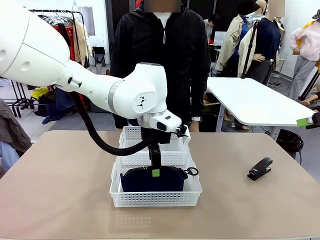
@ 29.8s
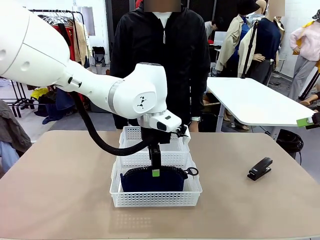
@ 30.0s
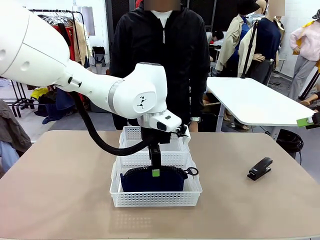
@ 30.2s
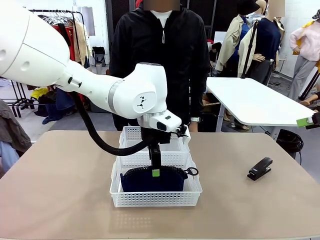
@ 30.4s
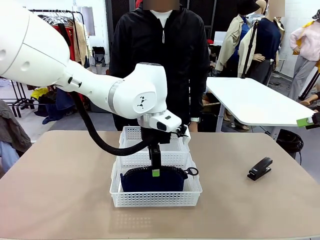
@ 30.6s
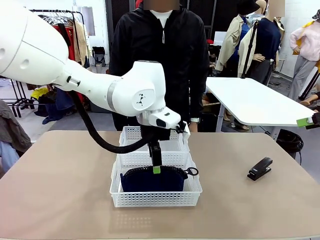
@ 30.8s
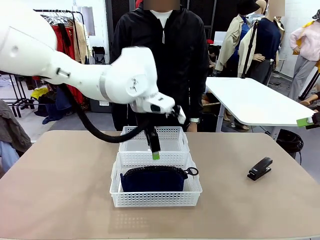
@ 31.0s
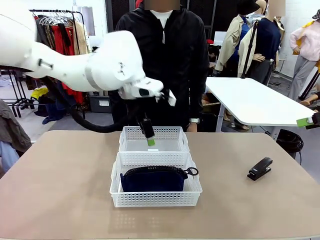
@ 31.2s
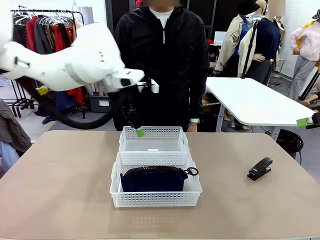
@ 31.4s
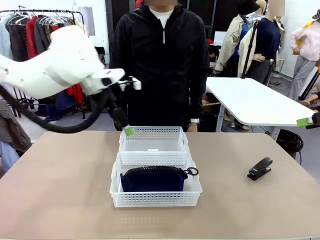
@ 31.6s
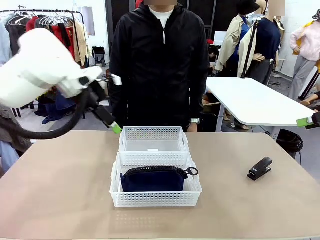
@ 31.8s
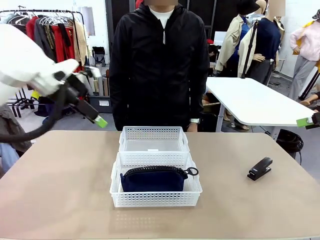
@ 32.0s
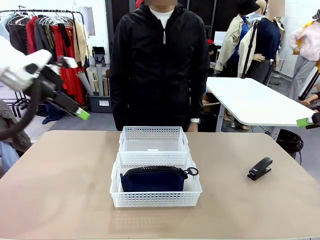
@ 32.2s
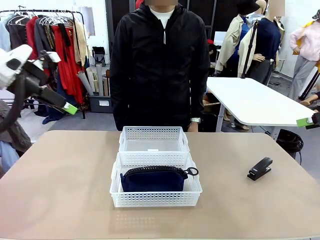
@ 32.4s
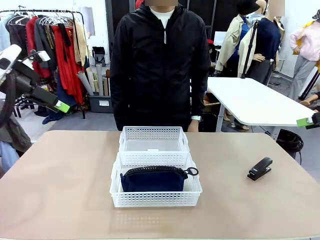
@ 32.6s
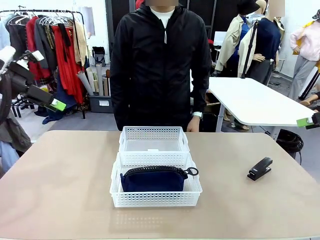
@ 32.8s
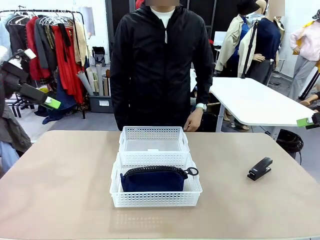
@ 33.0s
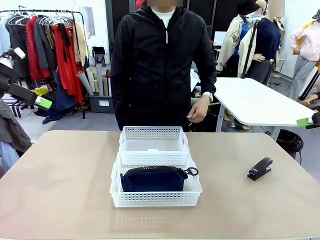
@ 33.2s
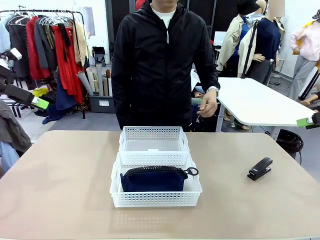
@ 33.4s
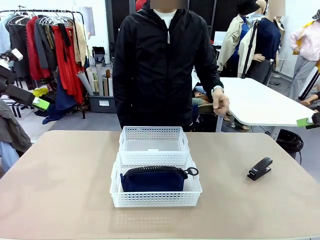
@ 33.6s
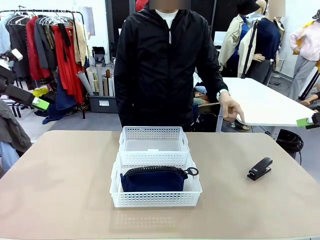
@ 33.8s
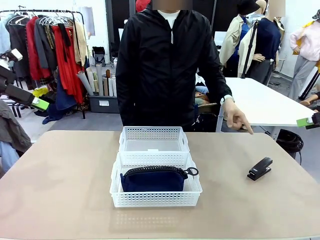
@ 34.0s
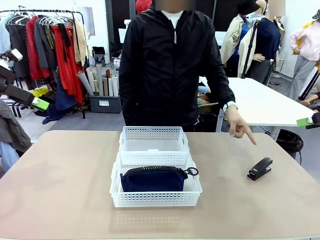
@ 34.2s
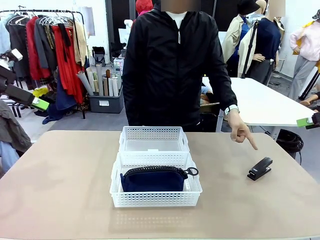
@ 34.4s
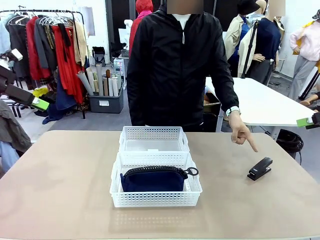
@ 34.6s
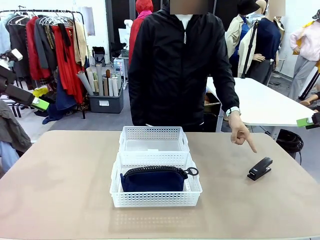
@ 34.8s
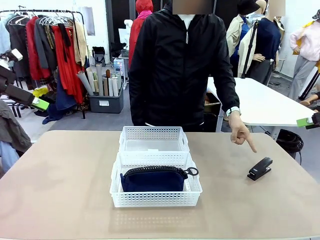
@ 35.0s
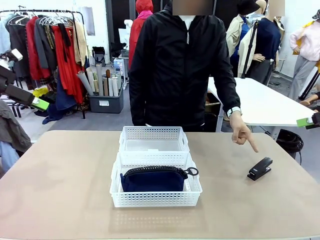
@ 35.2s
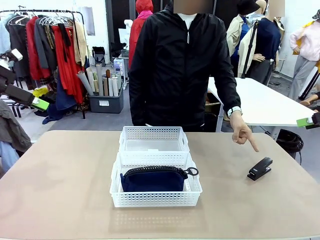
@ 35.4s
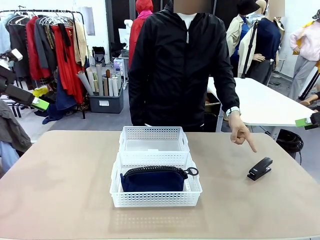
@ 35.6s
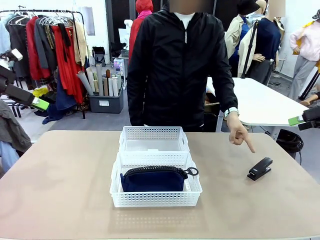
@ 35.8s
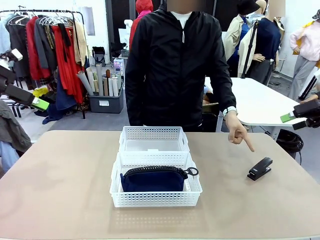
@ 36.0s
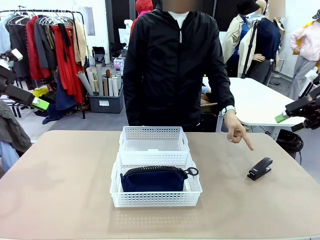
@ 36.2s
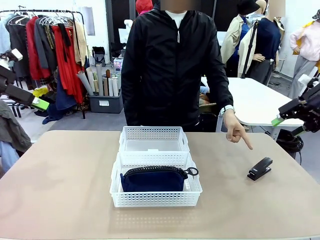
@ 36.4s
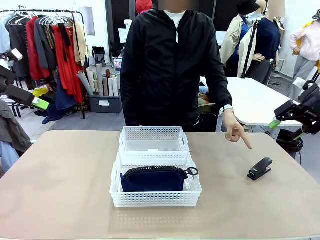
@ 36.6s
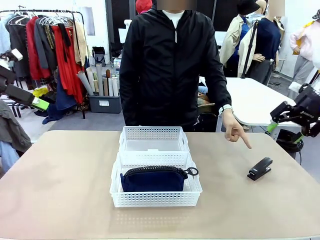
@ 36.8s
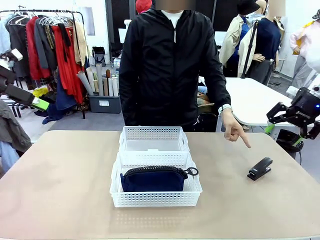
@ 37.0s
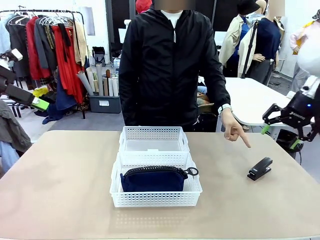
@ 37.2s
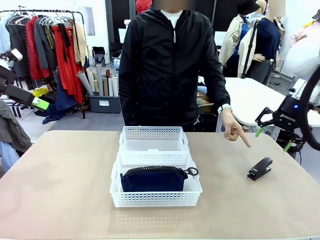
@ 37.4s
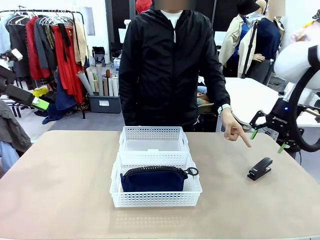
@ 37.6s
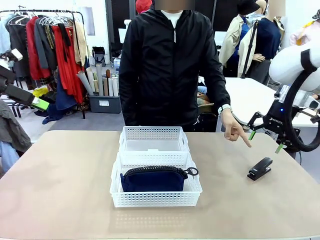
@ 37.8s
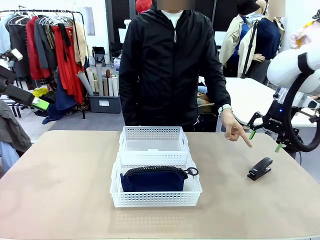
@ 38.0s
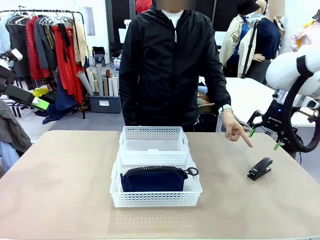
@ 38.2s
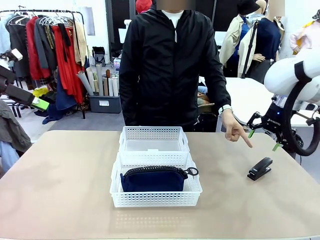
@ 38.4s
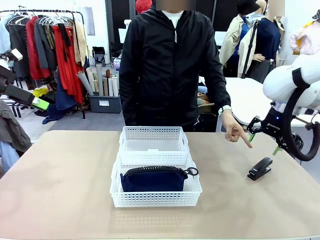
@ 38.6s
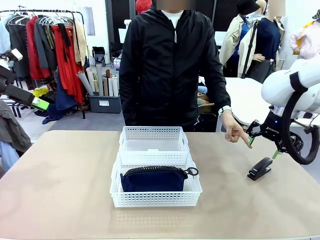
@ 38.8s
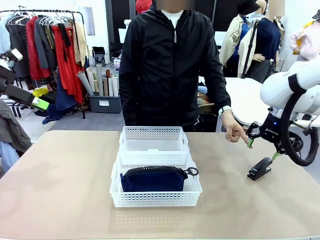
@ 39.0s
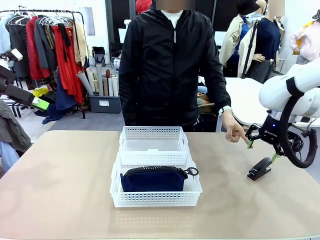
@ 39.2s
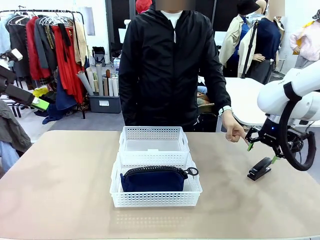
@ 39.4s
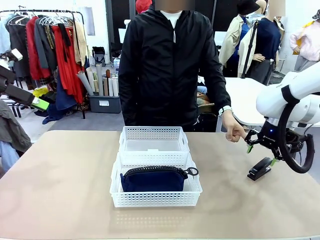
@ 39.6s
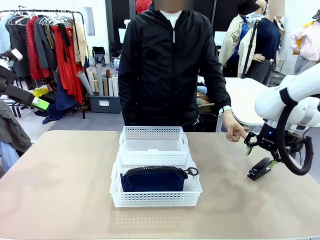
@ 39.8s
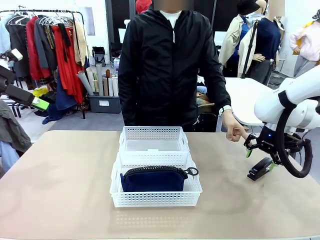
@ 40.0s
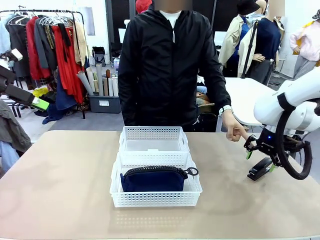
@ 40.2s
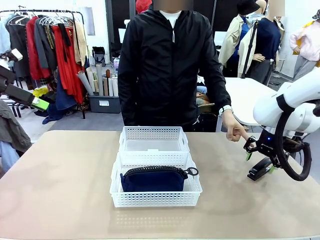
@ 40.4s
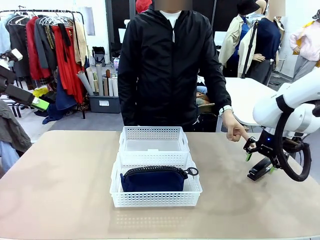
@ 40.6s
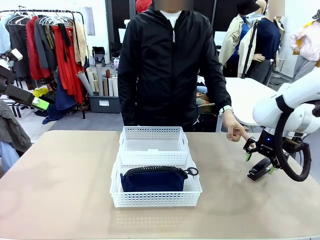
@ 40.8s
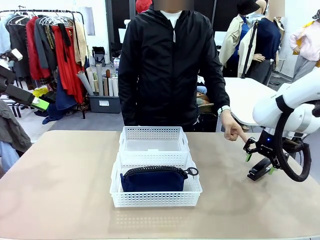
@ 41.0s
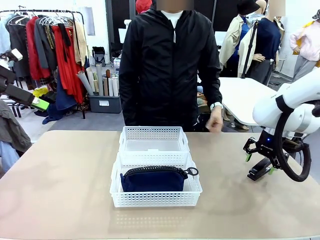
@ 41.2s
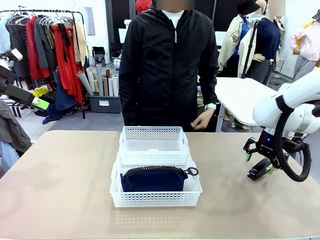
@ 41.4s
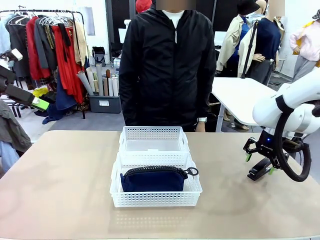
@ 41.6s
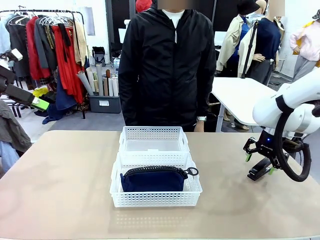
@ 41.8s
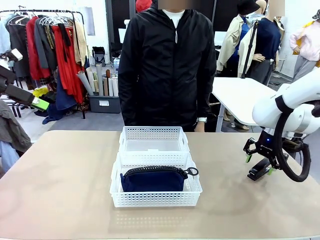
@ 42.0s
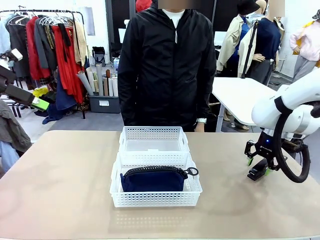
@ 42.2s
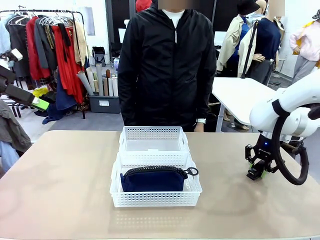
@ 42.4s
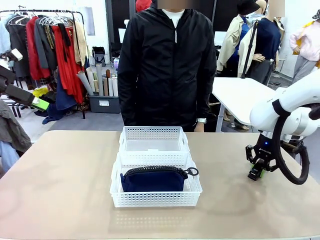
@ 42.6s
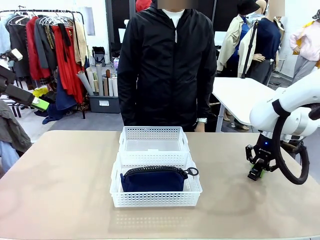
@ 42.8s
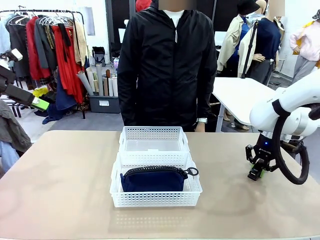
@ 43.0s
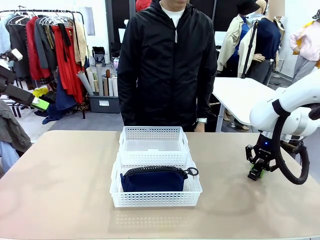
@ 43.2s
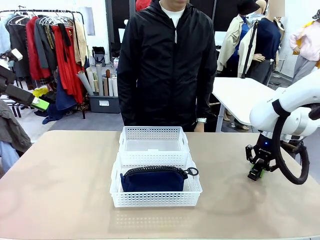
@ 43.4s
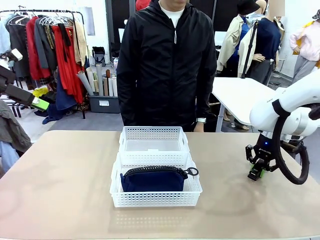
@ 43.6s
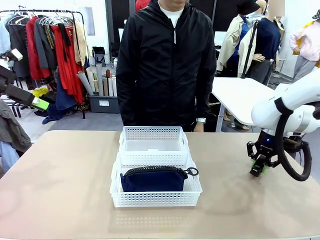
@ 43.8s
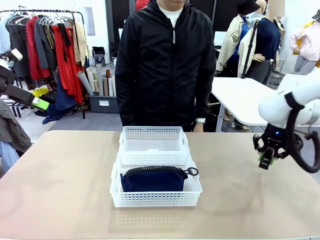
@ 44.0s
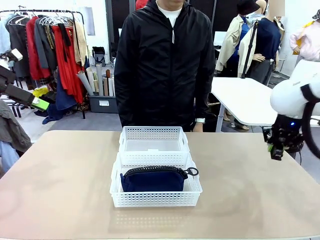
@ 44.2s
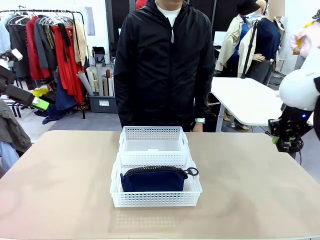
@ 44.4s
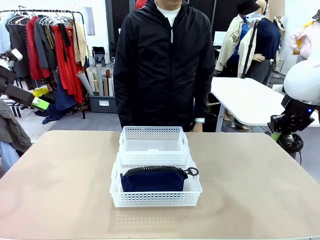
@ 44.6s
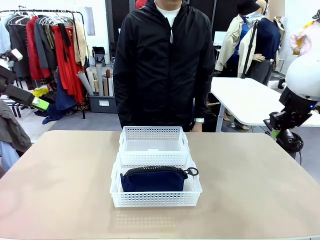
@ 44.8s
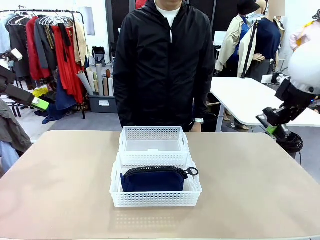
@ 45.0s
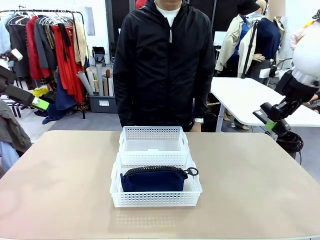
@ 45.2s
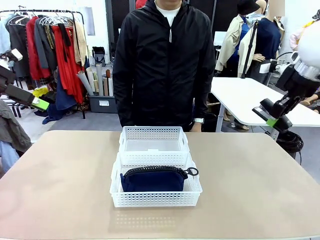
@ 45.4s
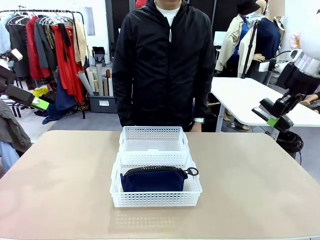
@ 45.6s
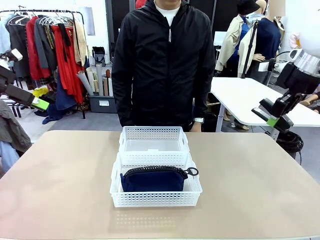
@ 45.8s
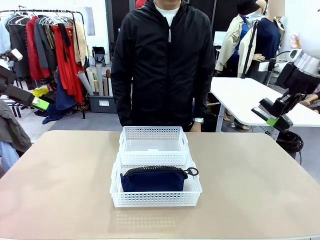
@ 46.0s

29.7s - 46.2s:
Task: Distribute items into two baskets.
Robot: Pick up the Stapler that the person points to.

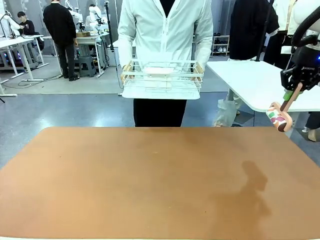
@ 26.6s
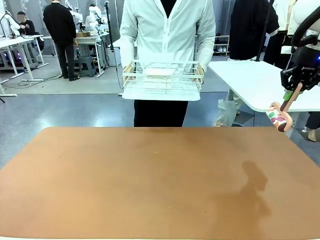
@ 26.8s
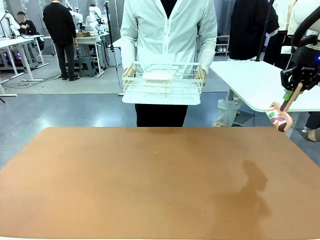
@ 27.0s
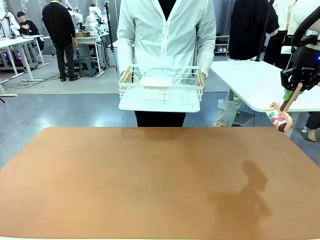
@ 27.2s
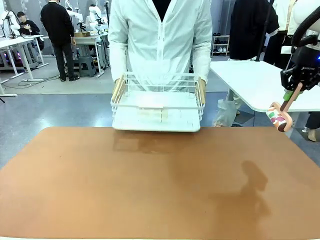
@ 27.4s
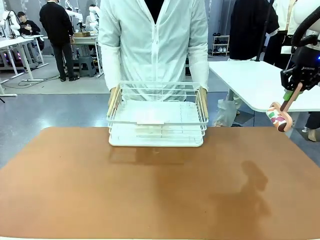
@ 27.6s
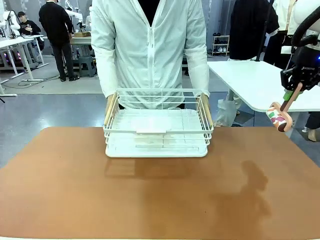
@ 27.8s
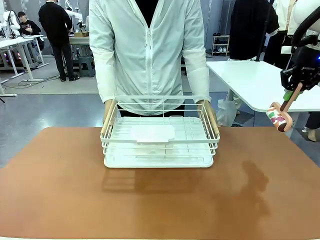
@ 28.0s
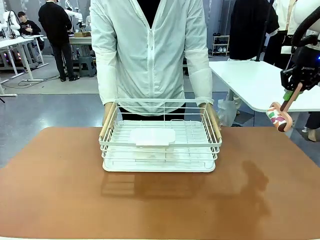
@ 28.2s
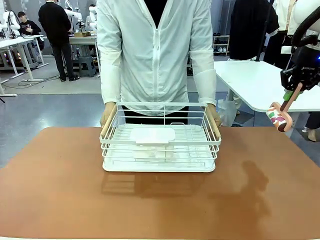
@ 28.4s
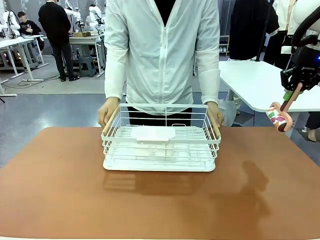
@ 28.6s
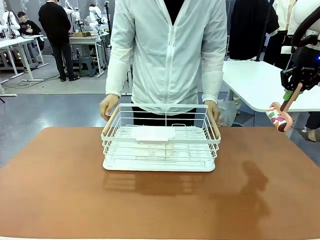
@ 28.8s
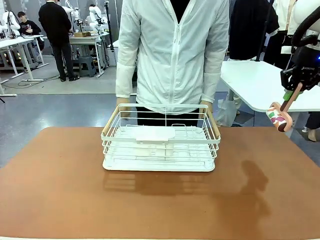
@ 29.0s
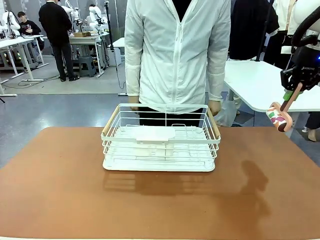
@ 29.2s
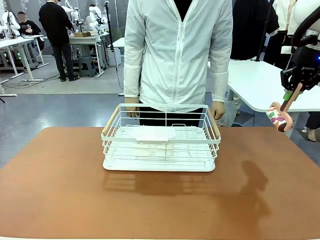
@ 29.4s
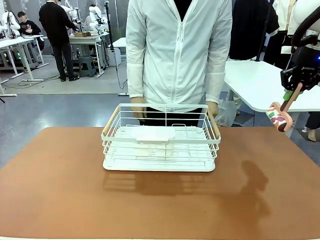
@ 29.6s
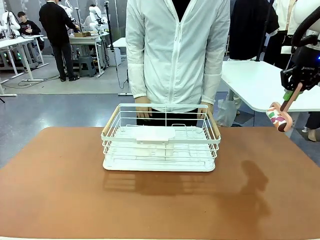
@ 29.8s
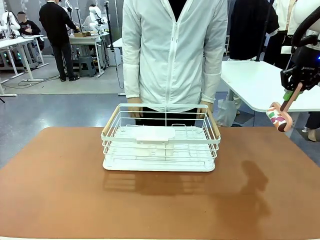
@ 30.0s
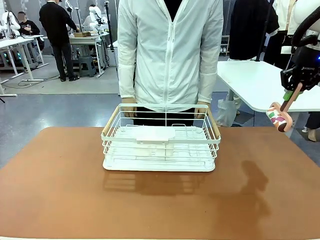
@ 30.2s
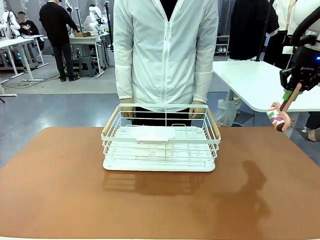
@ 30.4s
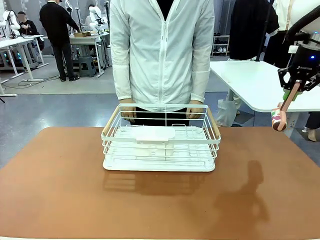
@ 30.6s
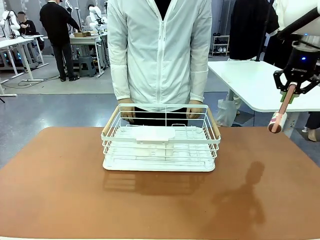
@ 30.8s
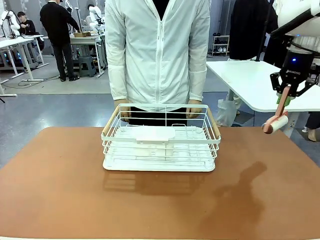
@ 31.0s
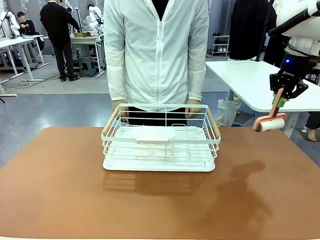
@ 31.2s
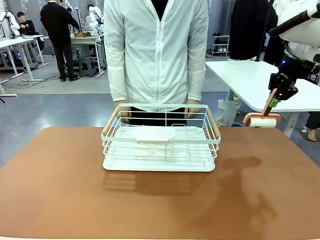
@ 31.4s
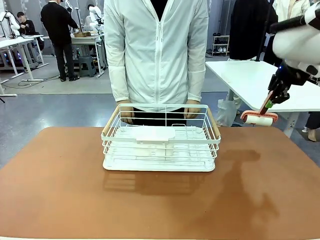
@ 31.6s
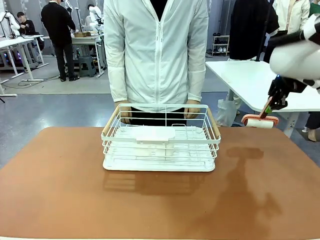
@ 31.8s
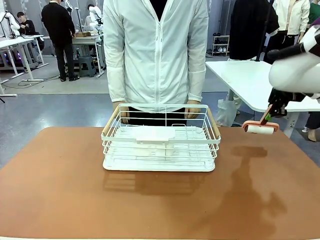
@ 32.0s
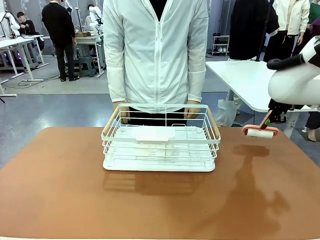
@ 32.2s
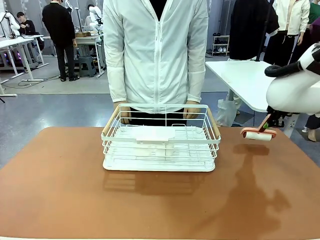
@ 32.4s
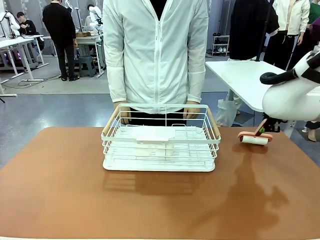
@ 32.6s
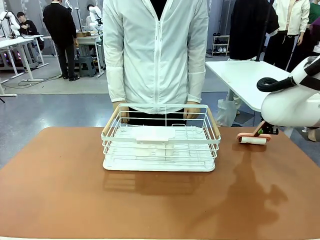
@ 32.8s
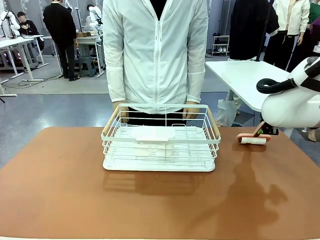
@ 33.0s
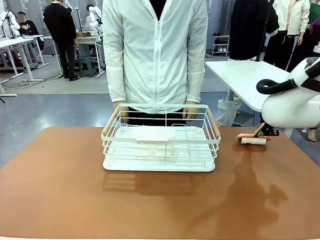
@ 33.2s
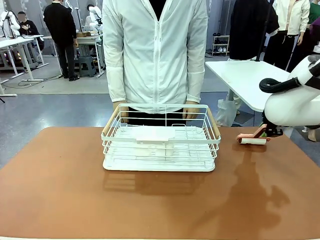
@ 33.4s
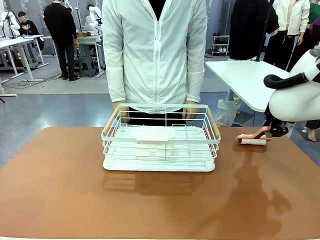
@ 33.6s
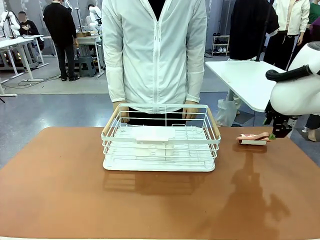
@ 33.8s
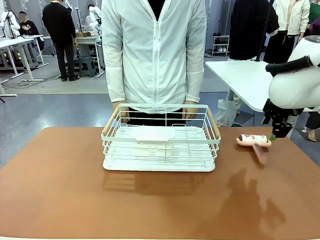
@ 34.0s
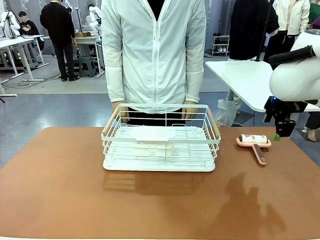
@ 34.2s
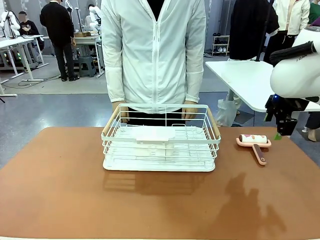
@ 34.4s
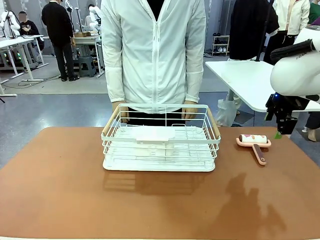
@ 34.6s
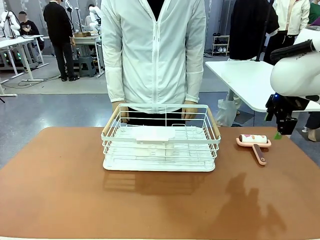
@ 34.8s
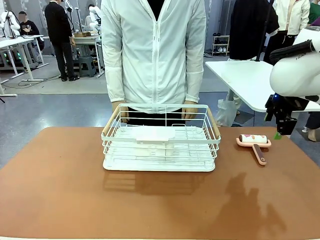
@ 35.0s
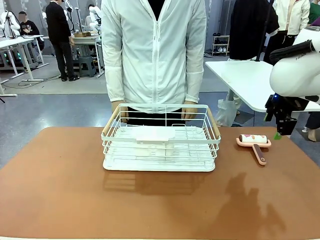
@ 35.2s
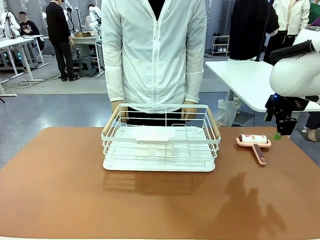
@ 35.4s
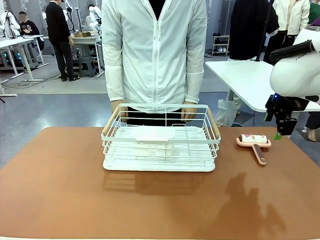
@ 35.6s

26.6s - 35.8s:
Task: Clean the table.
Robot: Place the Lint Roller down when the Dish drying rack is positioned in the middle of the table.
